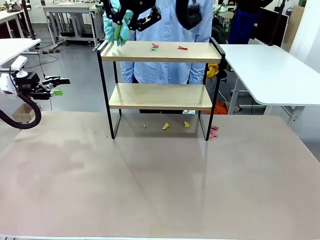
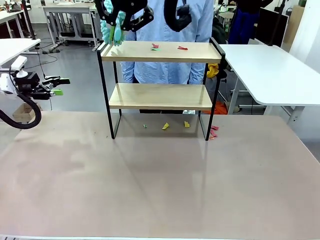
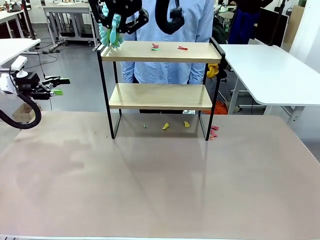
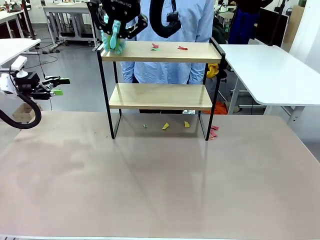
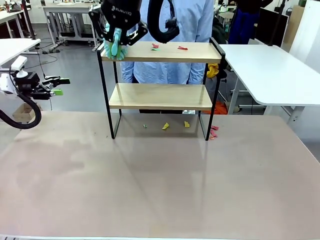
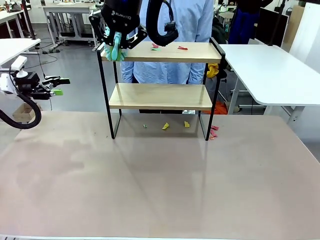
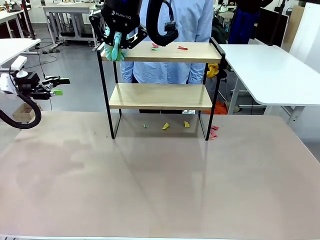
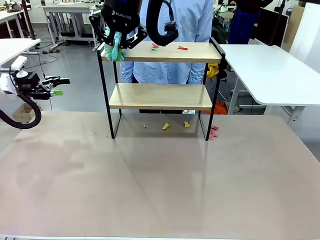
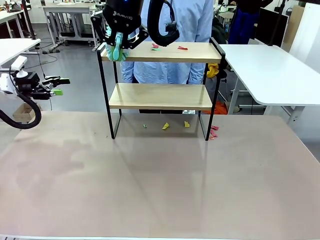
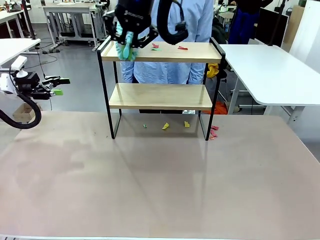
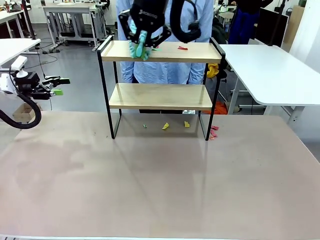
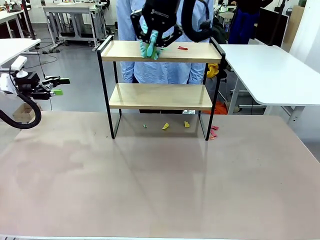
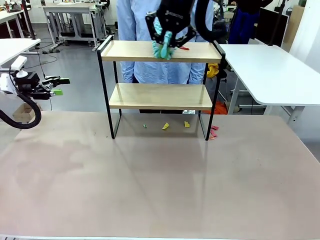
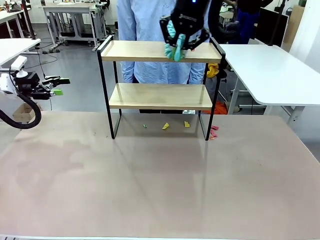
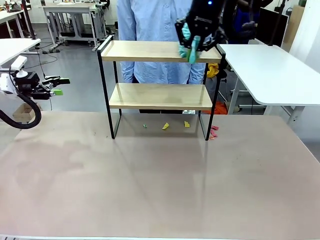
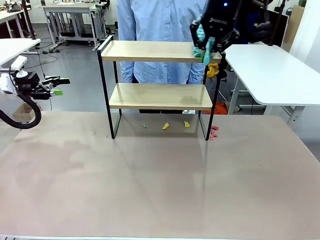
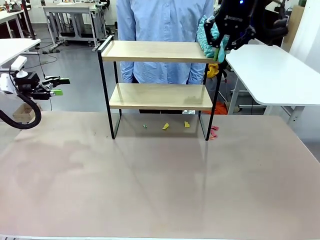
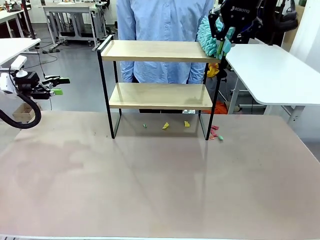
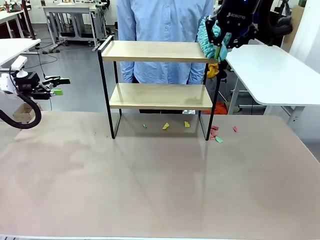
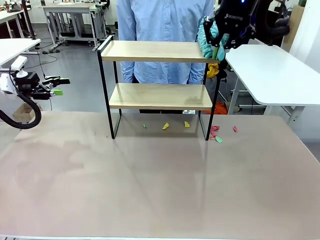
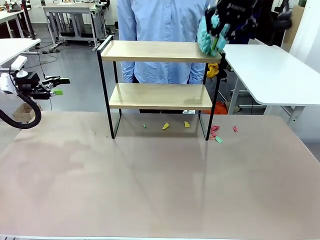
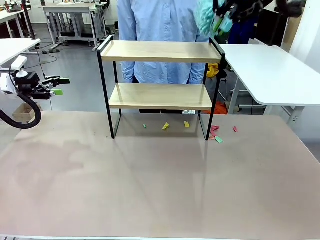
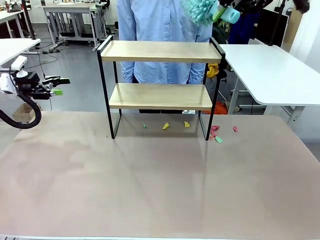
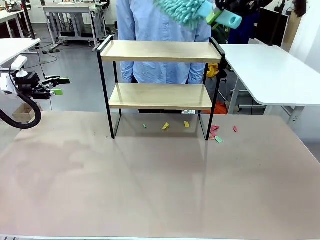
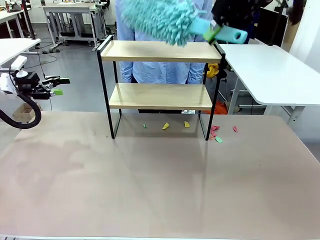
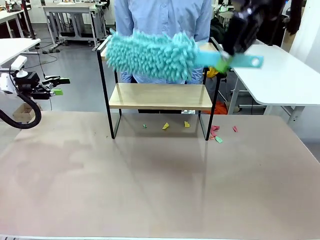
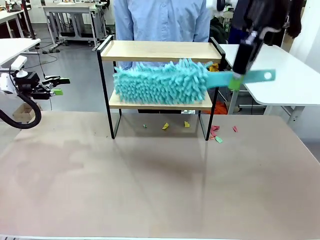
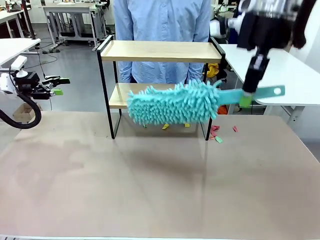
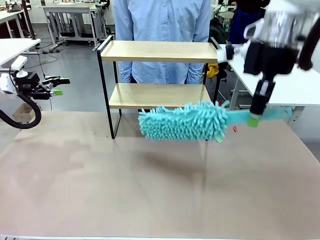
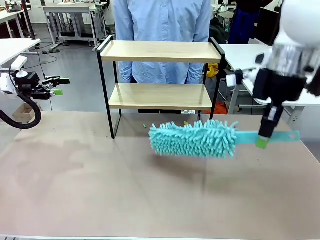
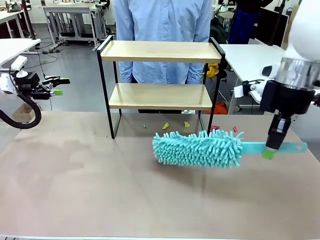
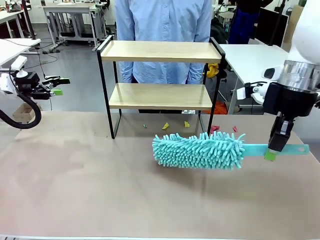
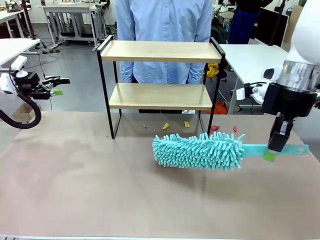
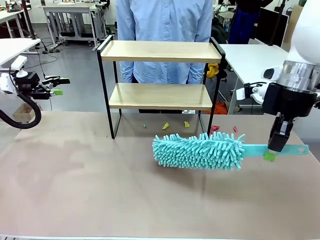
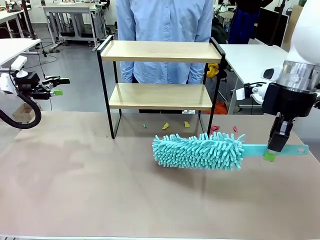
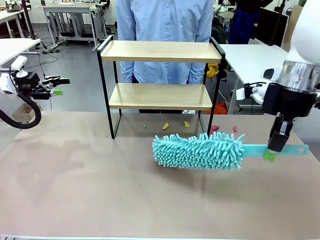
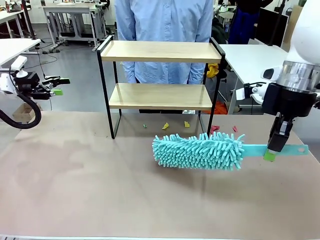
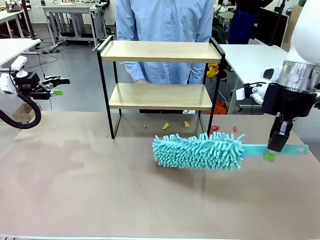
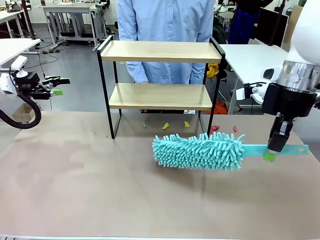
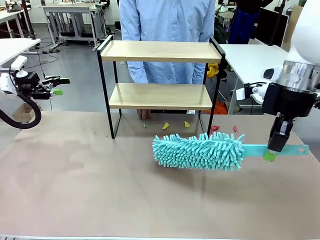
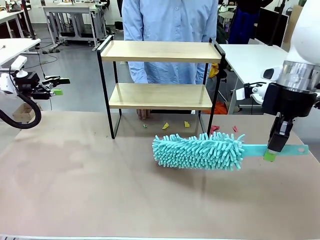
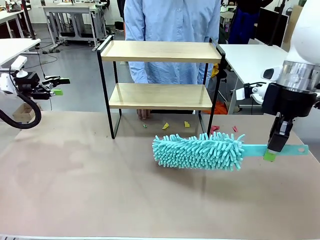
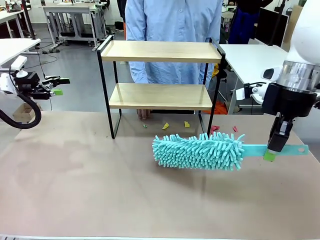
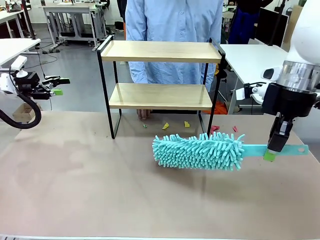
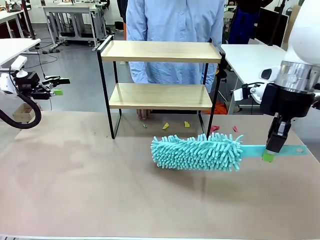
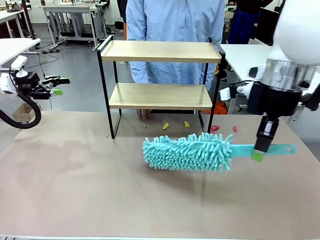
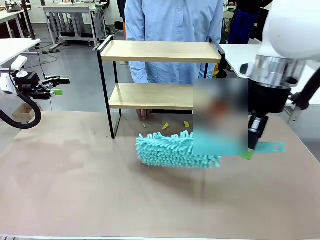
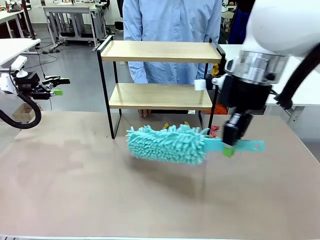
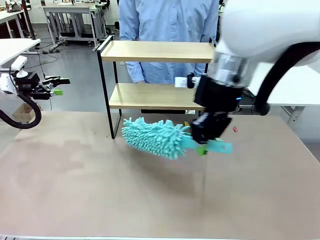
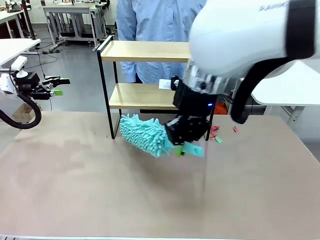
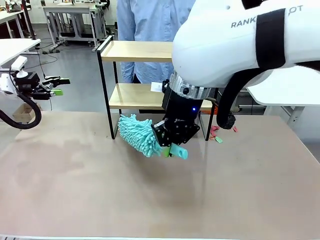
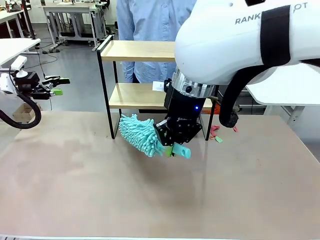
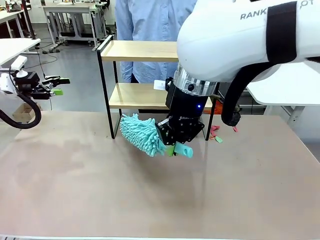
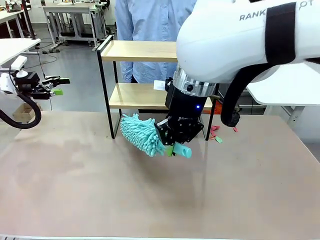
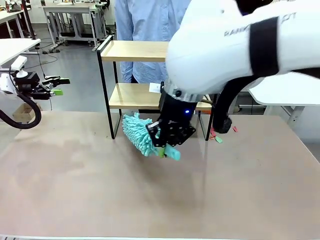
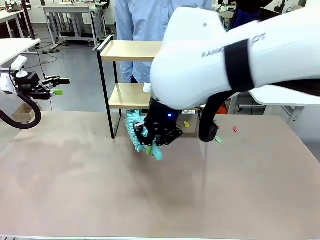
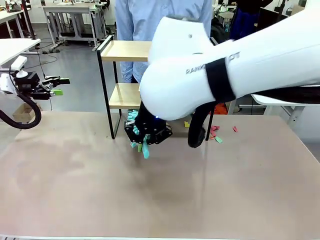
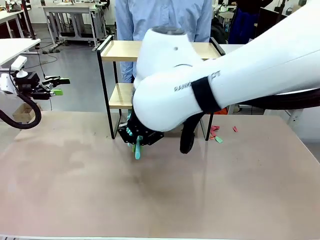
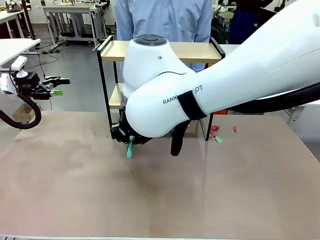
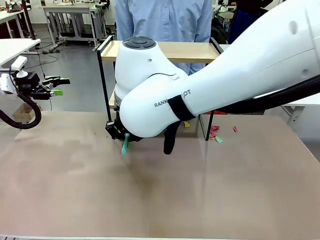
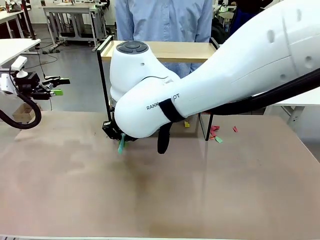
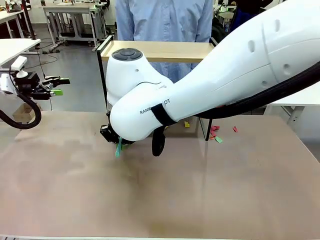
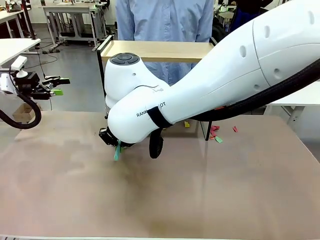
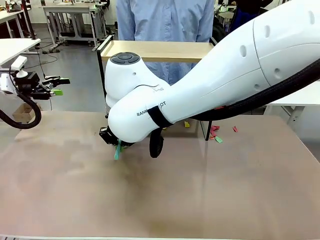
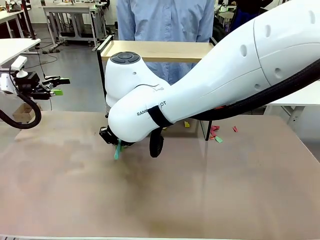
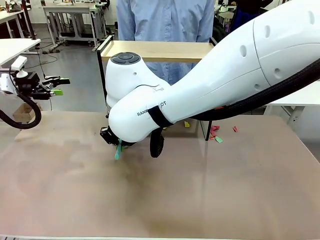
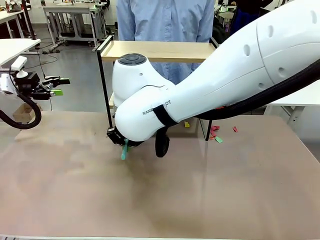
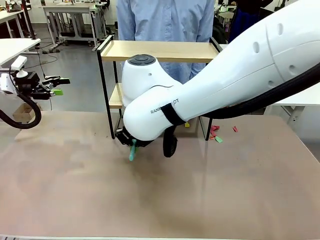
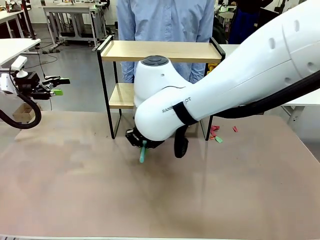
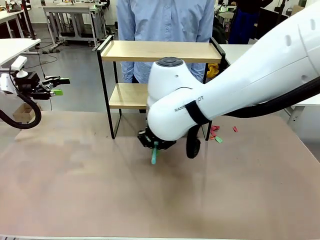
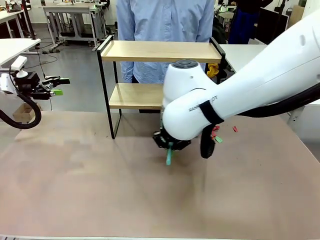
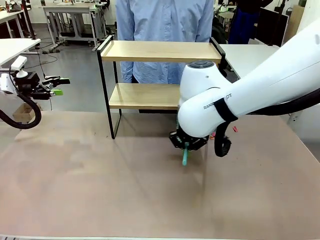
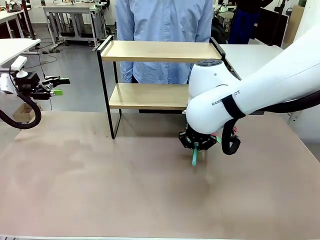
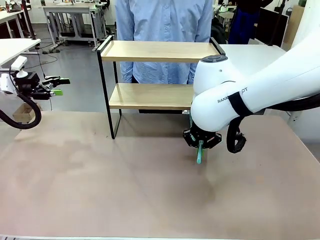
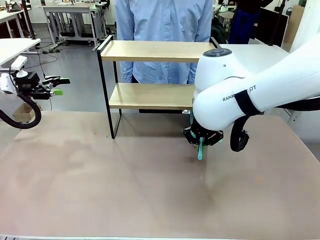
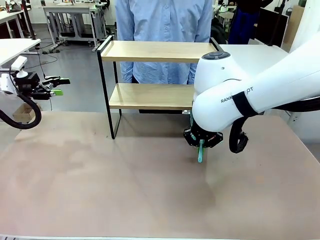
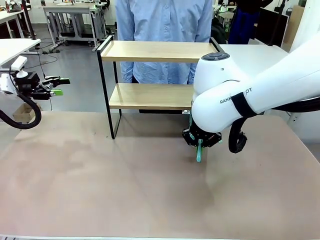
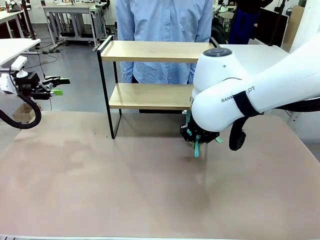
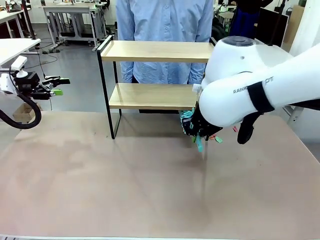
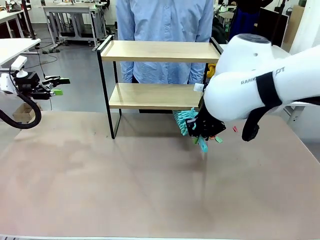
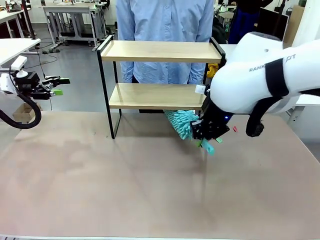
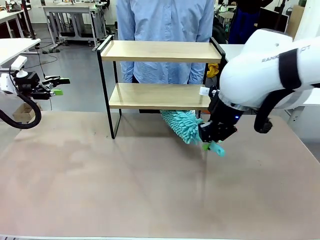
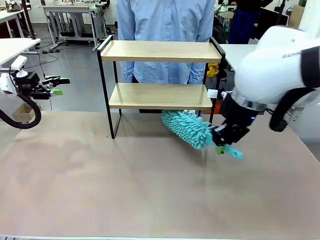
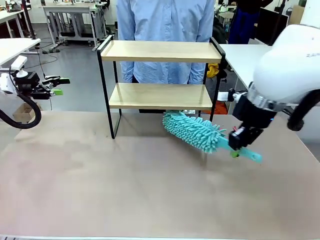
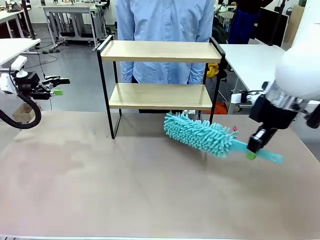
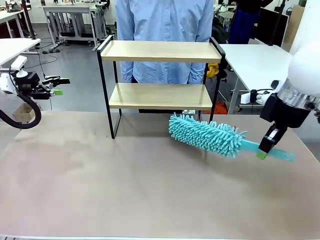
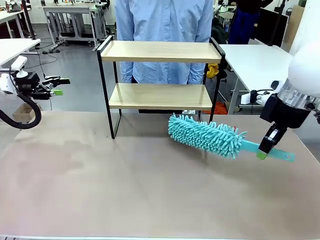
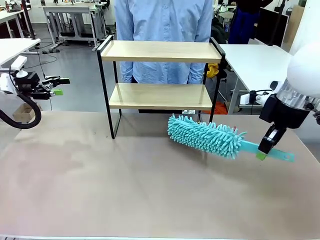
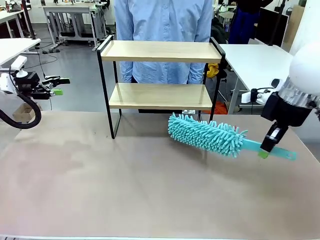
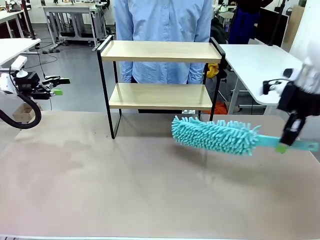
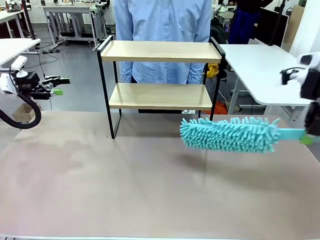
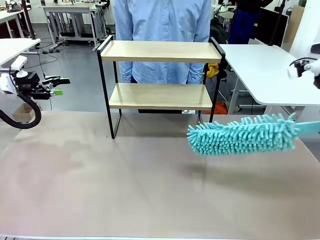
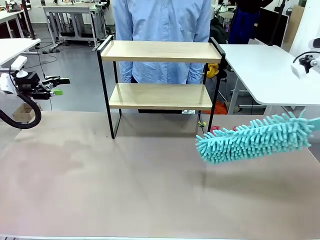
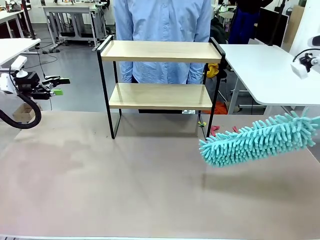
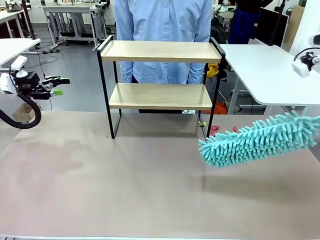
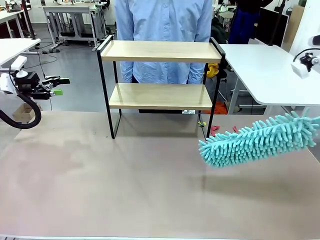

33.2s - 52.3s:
Task: Clean the shelf.
Robot: Clean the specific section of the Shelf indicated by the human with the Duster.
Person: Point a remaining section of the Shelf.
